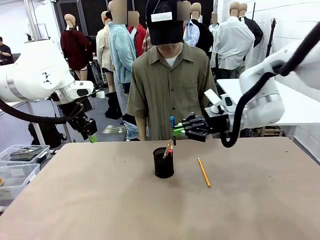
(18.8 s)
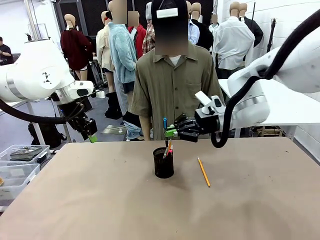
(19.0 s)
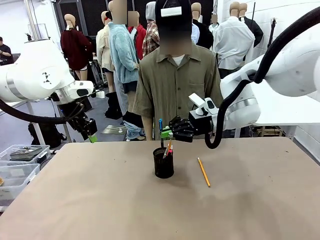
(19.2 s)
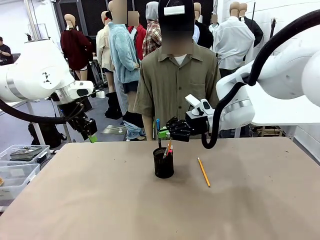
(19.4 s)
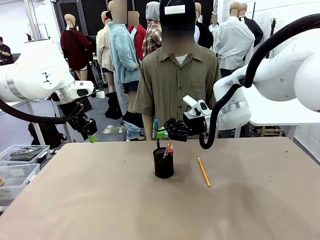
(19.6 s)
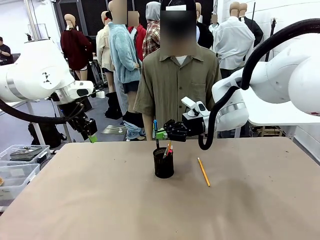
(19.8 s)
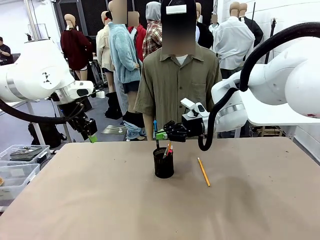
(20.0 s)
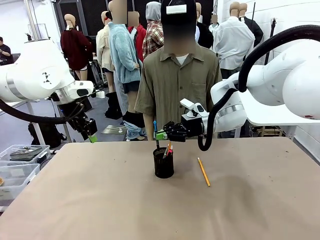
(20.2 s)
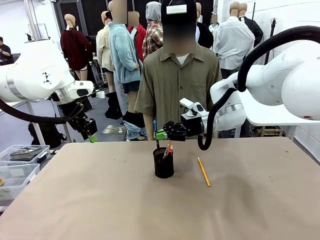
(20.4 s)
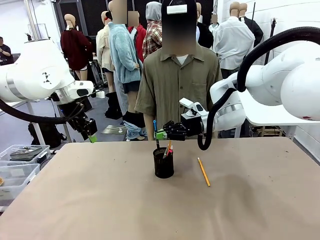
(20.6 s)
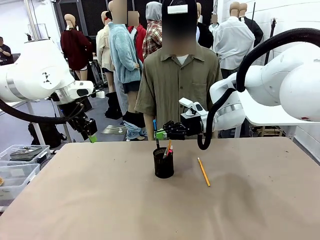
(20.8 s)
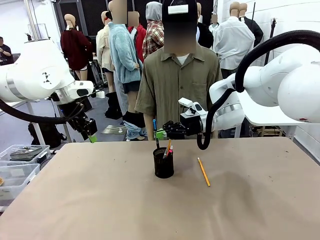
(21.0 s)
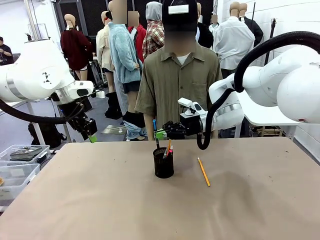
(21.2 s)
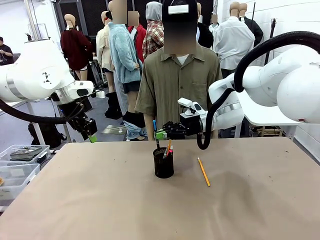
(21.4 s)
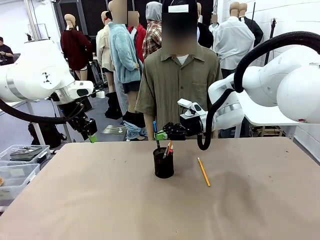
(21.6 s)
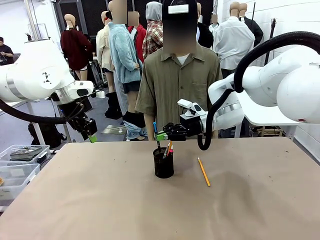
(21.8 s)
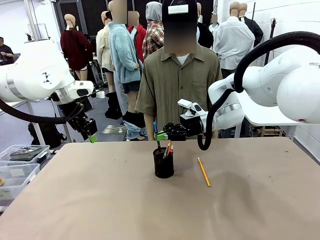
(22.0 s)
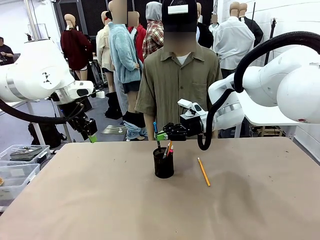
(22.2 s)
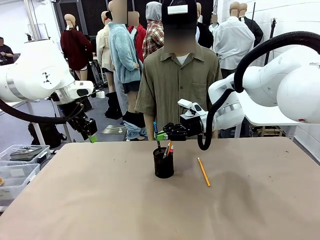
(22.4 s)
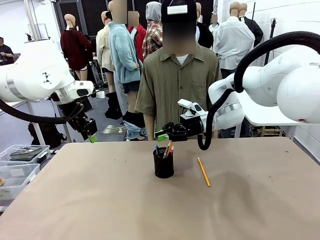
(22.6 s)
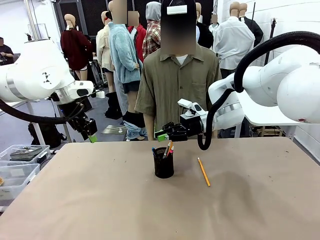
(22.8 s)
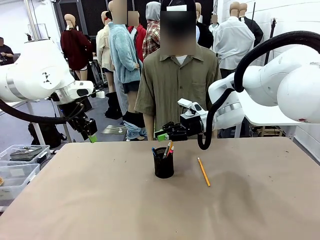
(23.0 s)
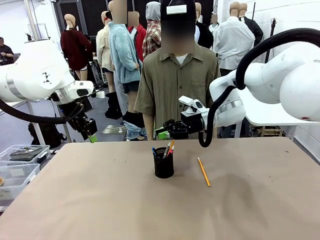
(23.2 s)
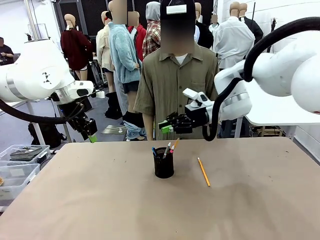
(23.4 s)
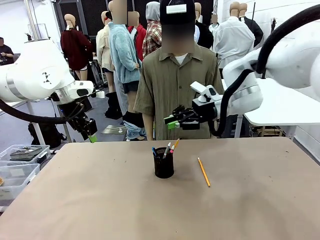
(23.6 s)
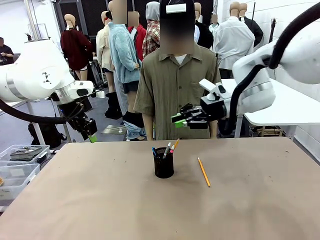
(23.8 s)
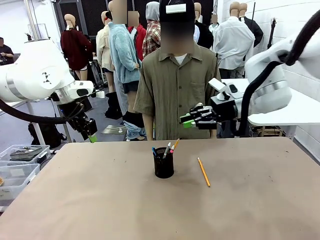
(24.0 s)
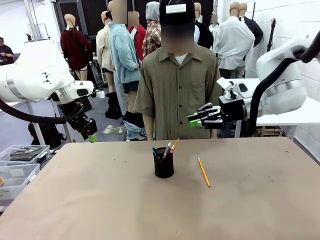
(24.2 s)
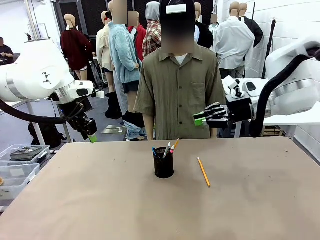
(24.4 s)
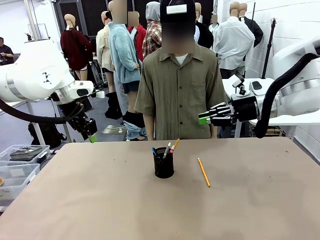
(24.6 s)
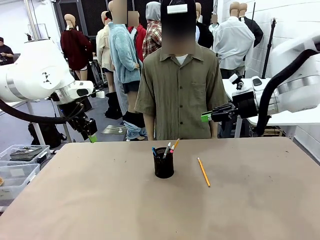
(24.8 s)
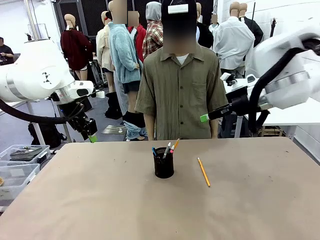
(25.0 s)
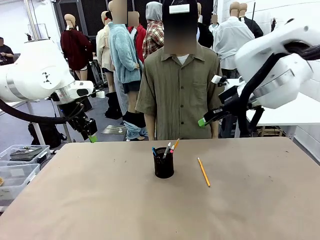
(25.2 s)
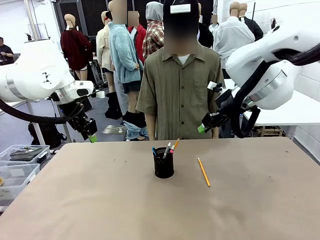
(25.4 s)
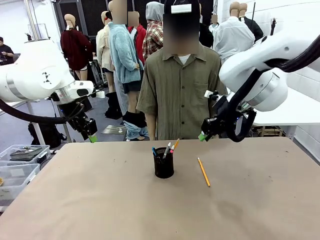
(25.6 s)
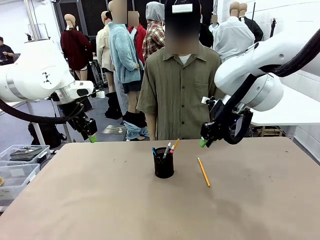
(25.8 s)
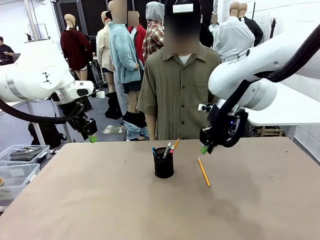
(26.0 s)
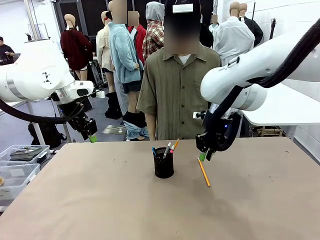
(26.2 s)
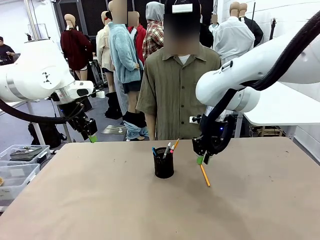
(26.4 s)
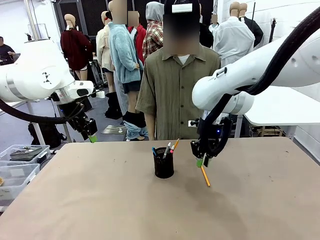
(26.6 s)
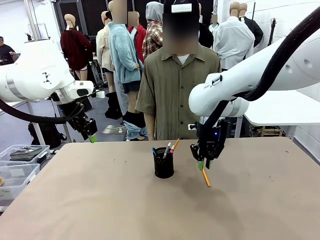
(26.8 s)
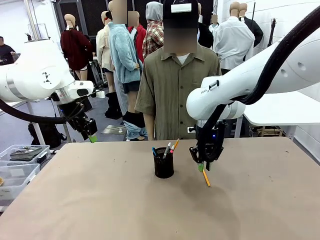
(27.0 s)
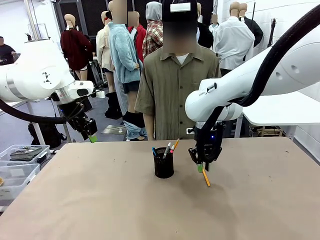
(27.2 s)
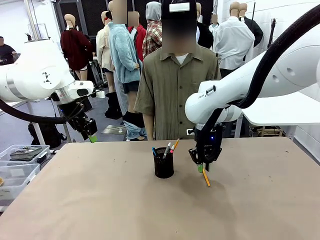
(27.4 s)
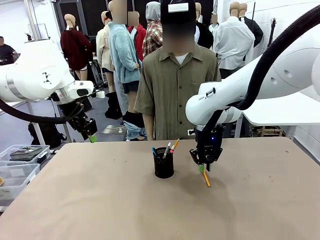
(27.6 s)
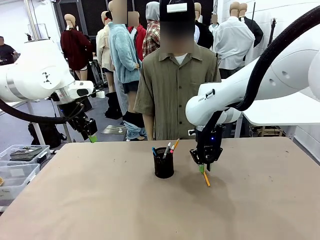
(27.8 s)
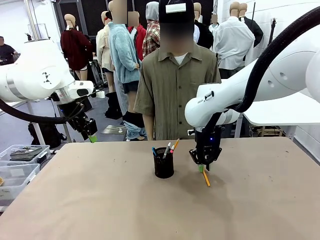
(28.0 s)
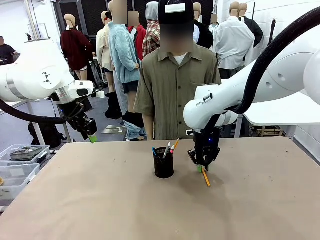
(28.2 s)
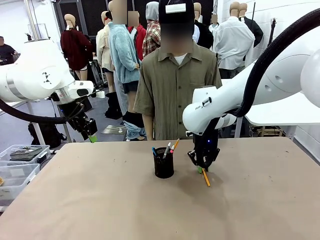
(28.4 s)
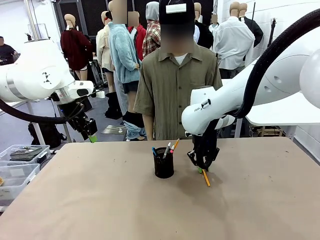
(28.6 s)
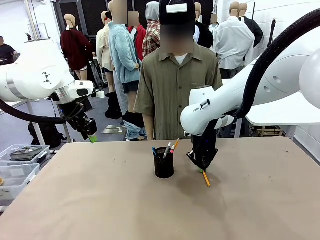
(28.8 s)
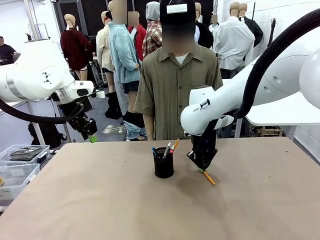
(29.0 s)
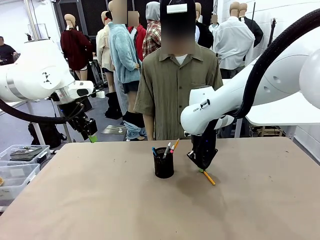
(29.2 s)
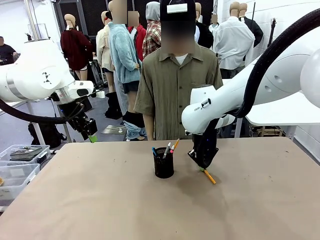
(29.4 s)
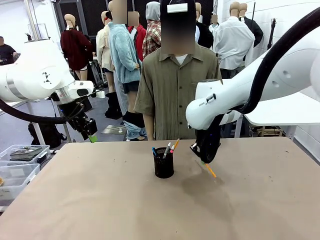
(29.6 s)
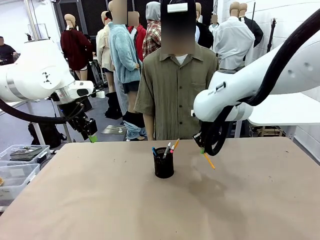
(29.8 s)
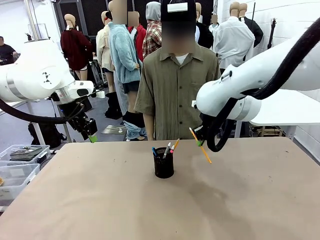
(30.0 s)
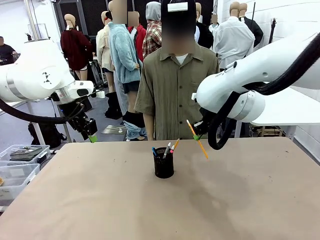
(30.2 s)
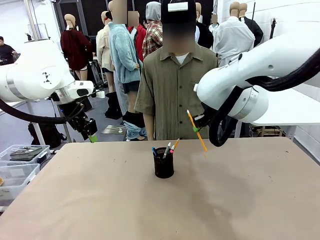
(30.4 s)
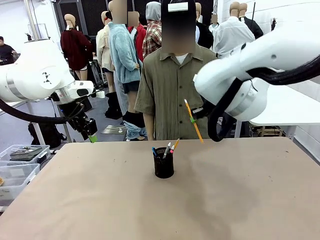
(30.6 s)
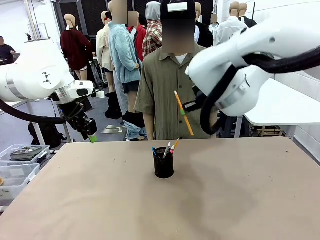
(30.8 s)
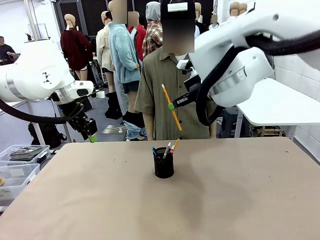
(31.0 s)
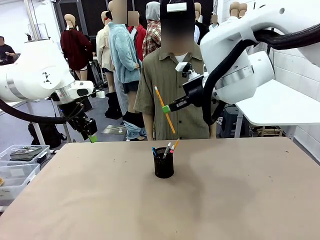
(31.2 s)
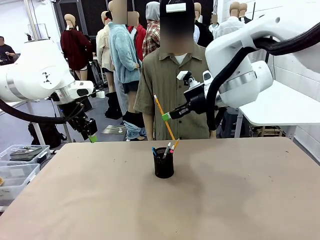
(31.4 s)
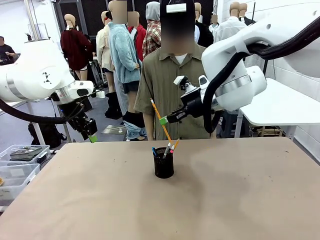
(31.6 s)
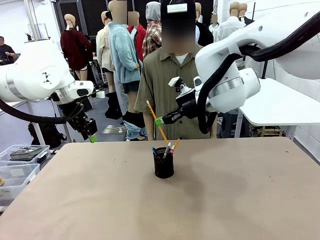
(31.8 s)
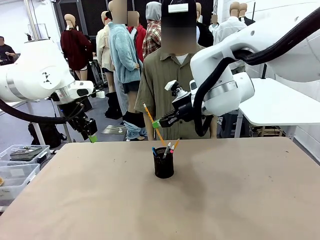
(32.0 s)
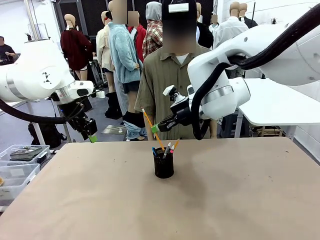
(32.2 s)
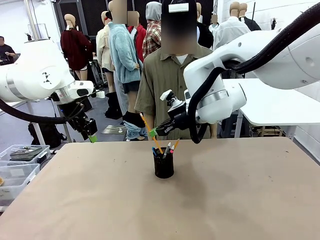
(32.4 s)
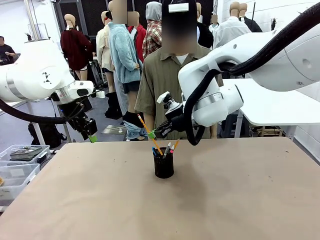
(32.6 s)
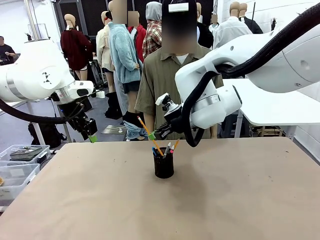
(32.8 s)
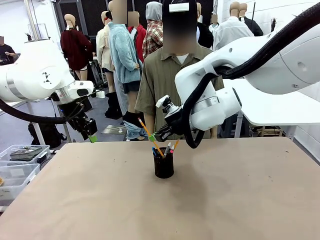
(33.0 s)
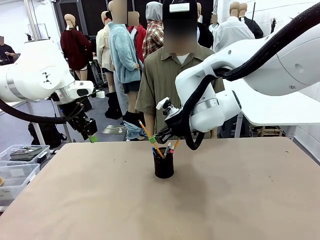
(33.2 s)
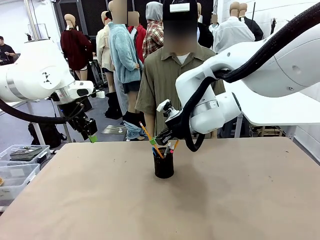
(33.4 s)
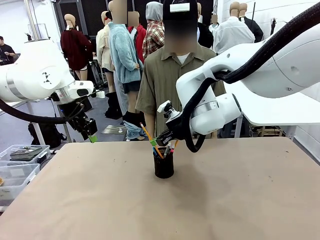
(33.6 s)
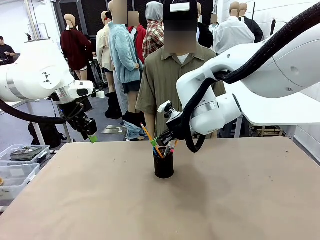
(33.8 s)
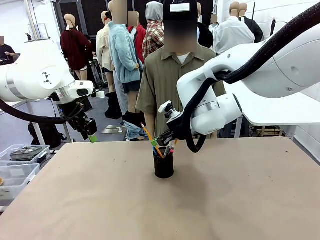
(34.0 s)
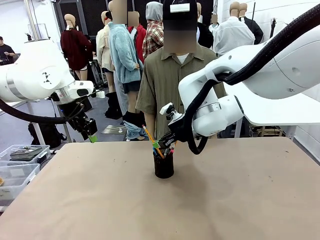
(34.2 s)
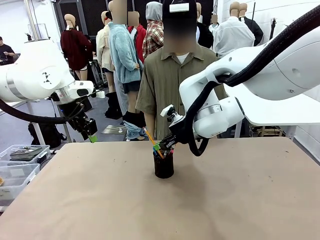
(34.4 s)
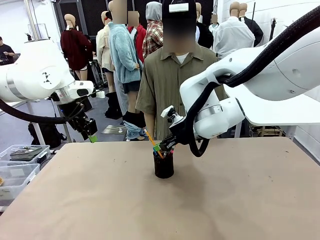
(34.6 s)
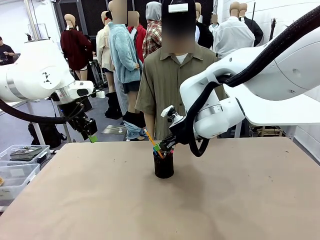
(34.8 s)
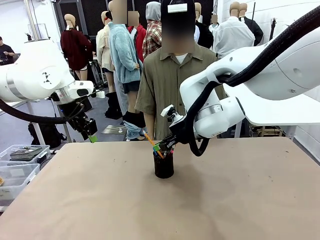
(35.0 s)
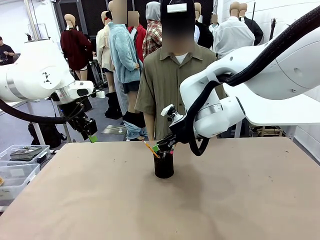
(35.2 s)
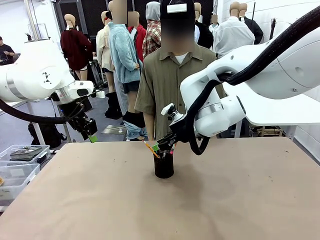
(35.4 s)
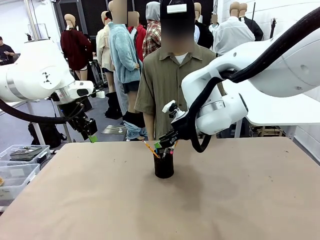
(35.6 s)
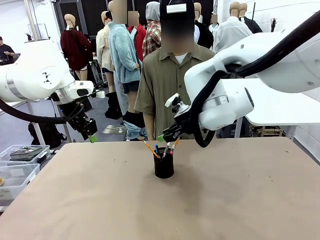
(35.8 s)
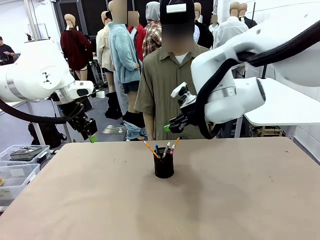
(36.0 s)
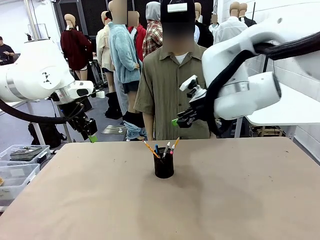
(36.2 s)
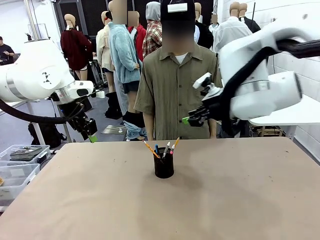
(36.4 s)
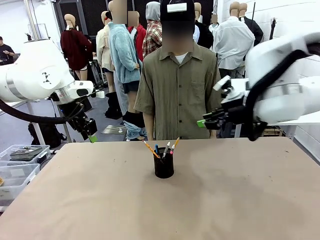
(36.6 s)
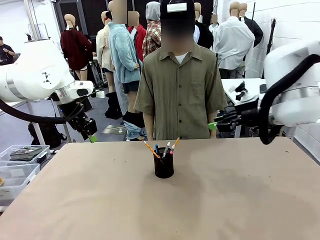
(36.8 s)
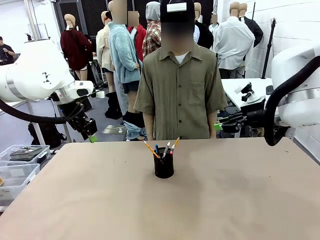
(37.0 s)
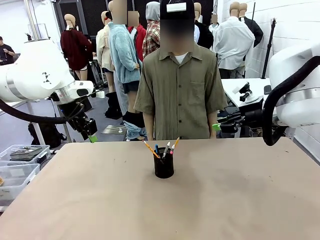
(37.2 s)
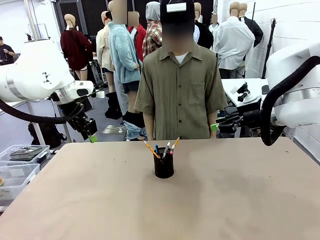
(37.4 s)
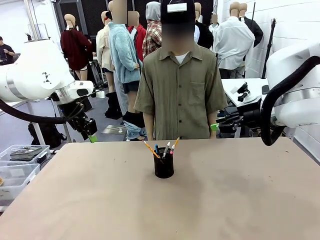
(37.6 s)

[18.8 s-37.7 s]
Task: Place the pens into the pen holder.
Robot: Pick up a writing instrument from the table and place it into the Pen holder.
Person: Place all writing instrument into the Pen holder.
